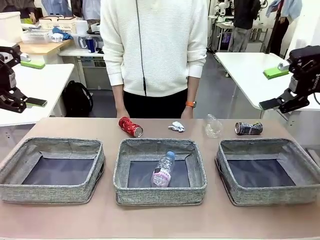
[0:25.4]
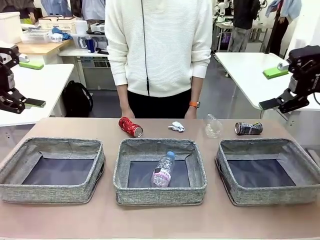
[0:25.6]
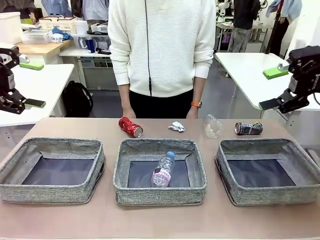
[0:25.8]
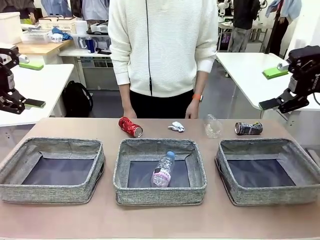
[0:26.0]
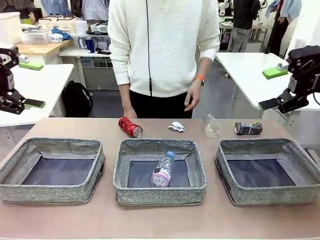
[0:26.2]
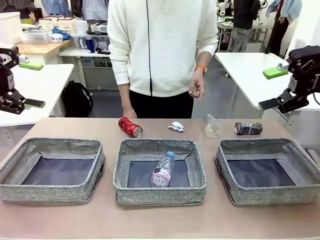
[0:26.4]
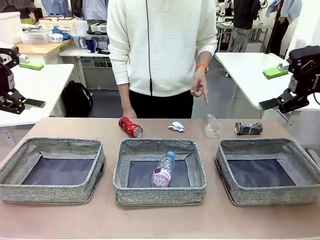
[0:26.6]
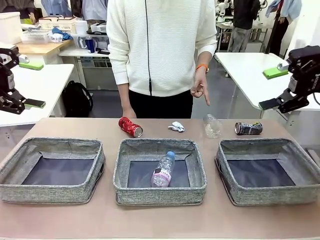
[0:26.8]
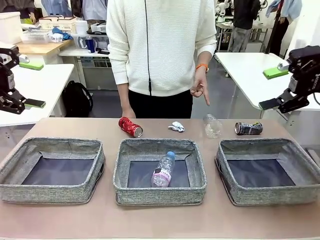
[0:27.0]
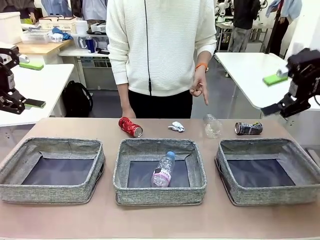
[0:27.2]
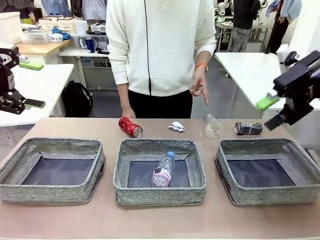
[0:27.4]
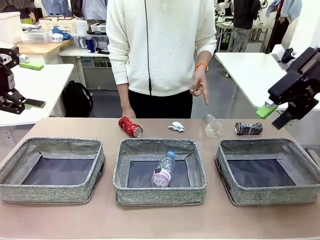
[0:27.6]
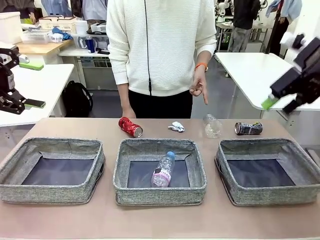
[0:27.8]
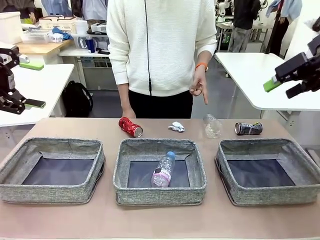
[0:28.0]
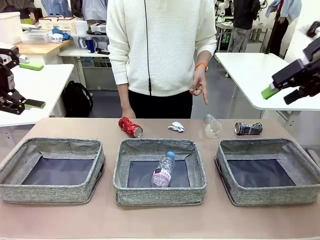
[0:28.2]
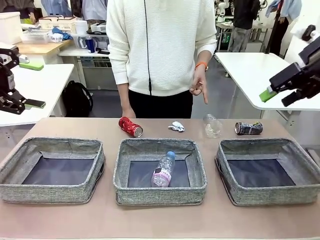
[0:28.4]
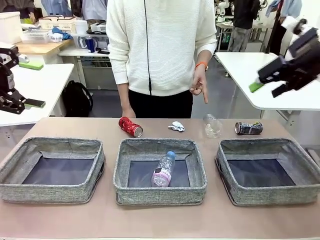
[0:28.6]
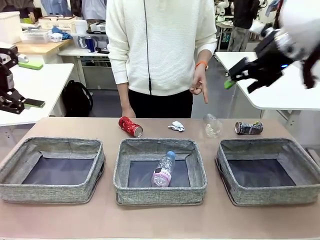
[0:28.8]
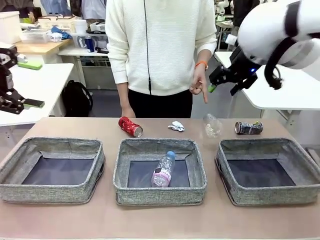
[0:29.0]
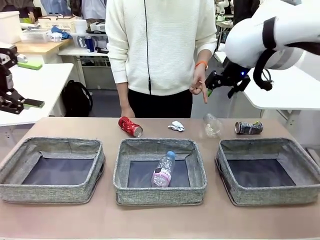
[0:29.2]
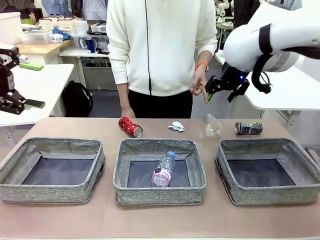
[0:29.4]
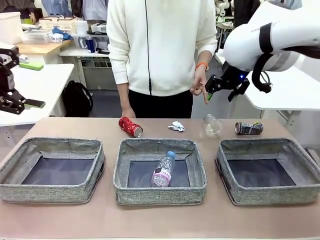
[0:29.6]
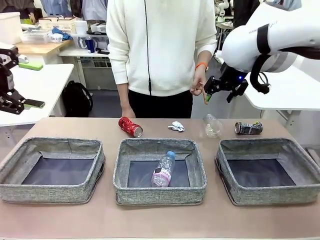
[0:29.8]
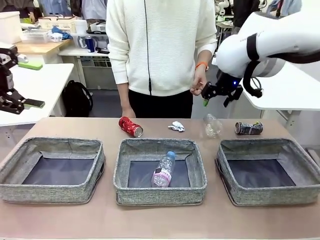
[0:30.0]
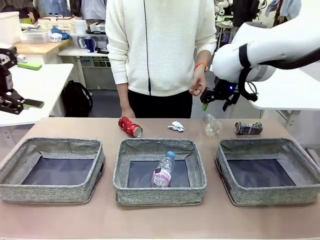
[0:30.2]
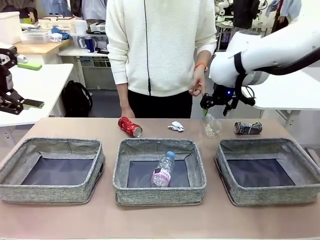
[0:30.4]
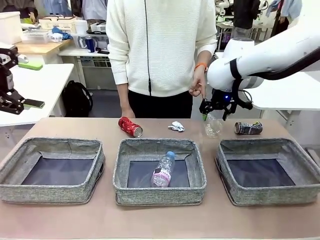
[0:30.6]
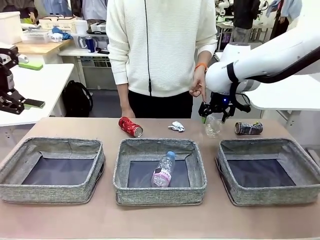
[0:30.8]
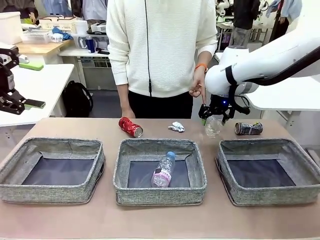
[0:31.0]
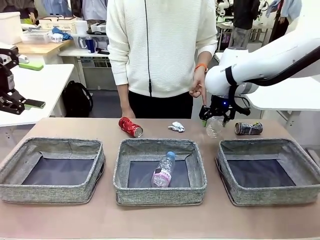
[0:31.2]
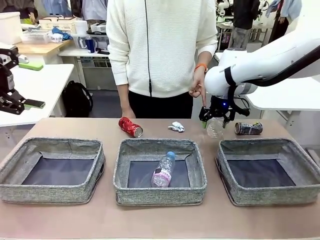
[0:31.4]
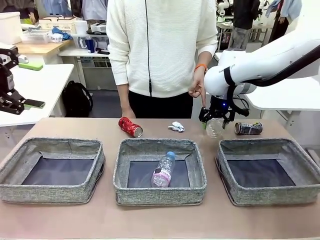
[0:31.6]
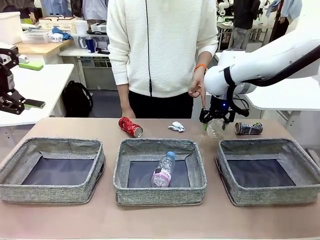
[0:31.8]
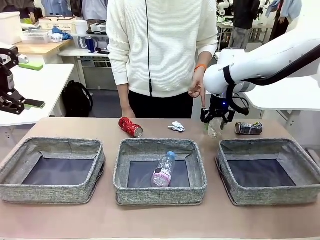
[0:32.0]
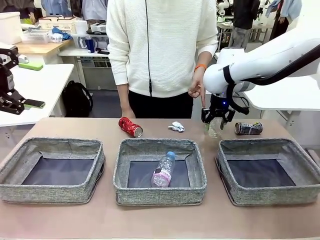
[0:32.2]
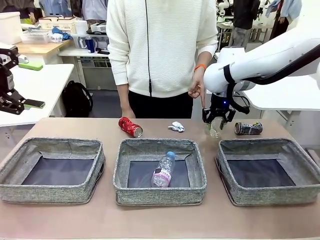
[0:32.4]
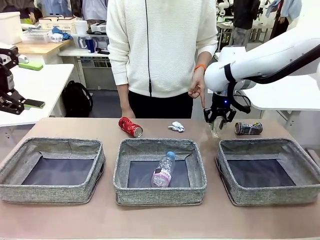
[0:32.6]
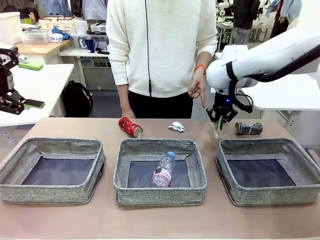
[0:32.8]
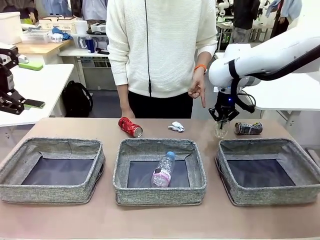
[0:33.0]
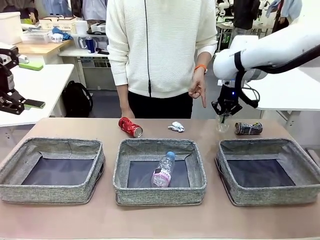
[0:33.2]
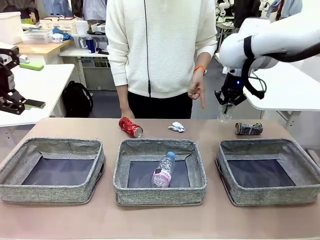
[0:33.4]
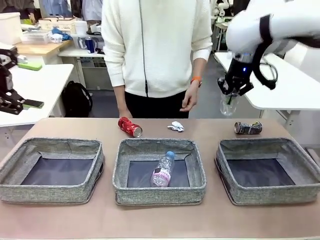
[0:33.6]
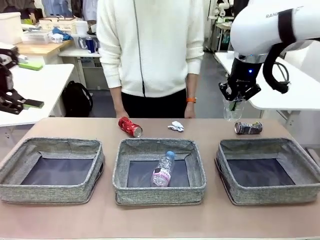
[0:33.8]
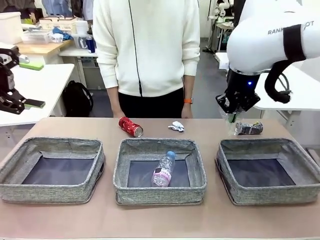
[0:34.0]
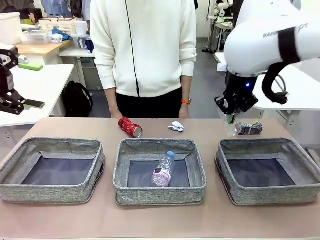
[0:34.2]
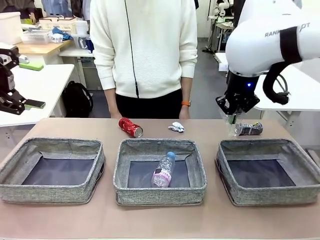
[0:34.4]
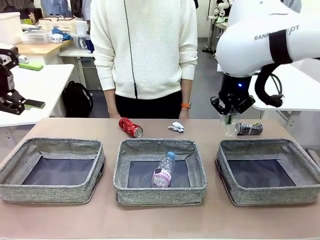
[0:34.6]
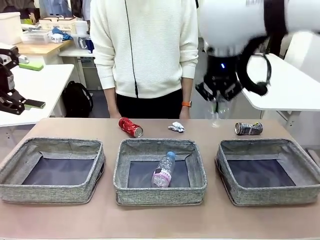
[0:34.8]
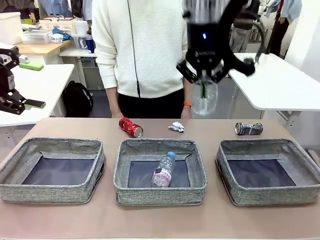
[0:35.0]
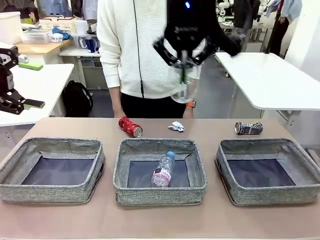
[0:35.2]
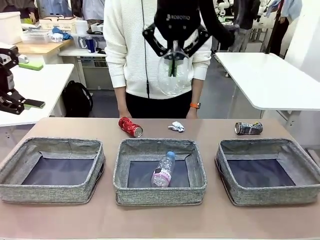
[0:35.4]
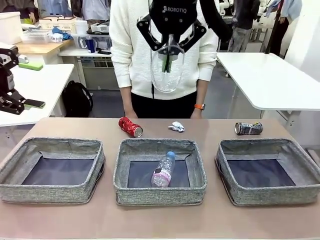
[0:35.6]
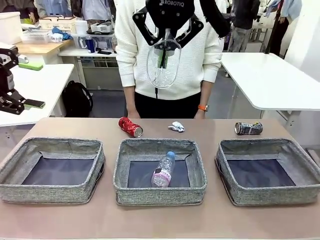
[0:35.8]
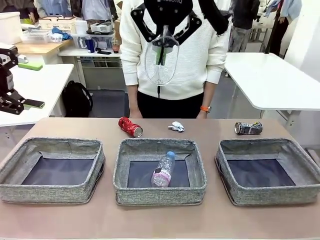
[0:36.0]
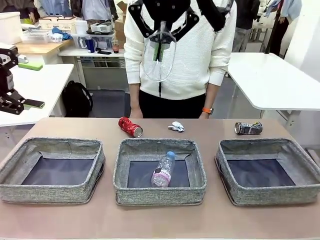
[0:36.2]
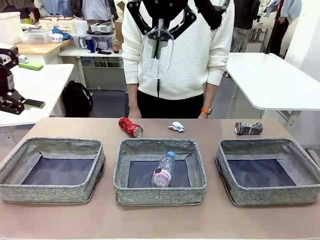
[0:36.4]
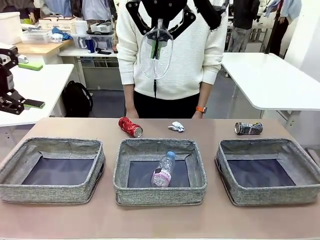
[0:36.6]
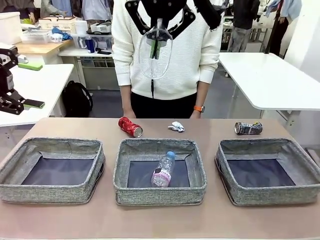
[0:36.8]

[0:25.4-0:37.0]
Task: Sort the waste into the appropriate baskets.
Robot: Pick up the waste item pointed out by the person.
Person: Points to one piece of trash on the table.

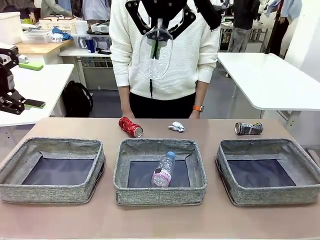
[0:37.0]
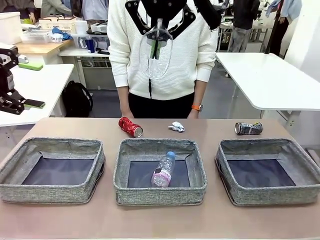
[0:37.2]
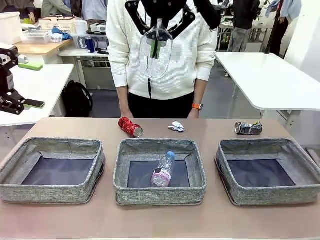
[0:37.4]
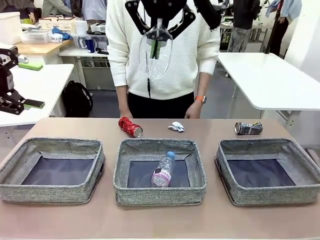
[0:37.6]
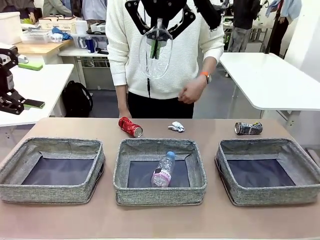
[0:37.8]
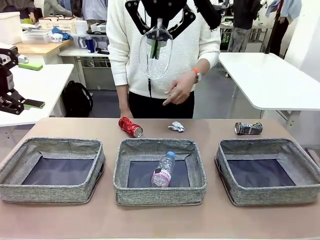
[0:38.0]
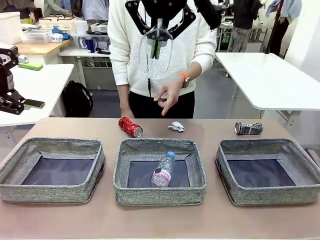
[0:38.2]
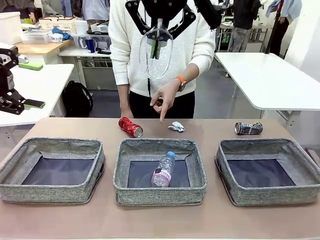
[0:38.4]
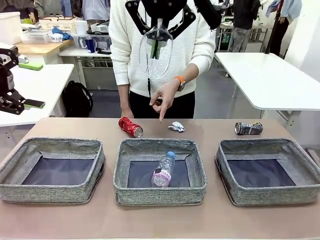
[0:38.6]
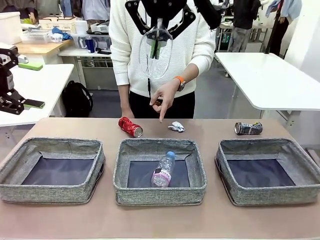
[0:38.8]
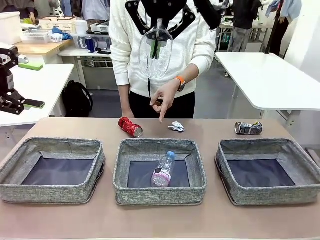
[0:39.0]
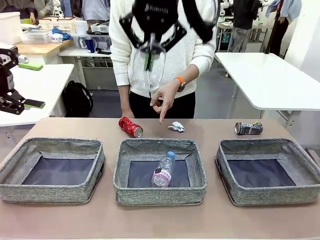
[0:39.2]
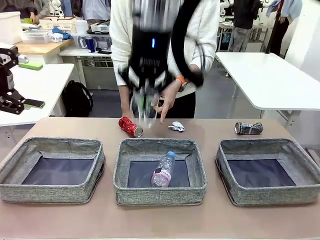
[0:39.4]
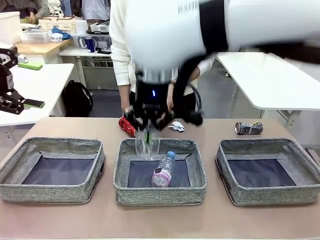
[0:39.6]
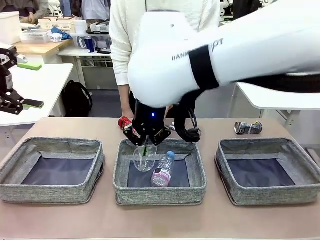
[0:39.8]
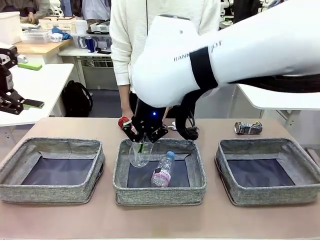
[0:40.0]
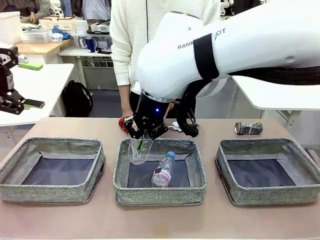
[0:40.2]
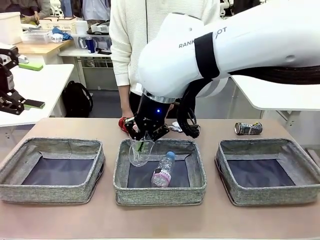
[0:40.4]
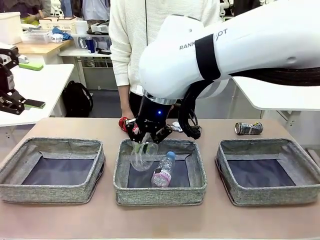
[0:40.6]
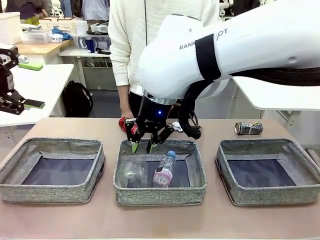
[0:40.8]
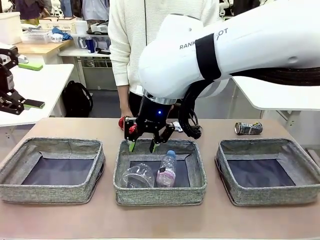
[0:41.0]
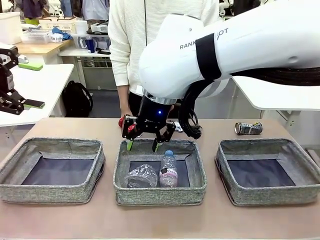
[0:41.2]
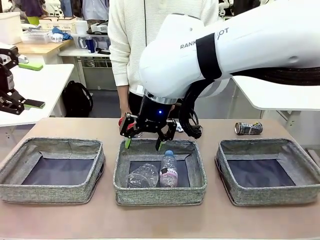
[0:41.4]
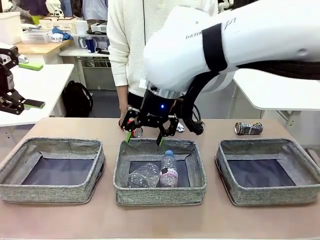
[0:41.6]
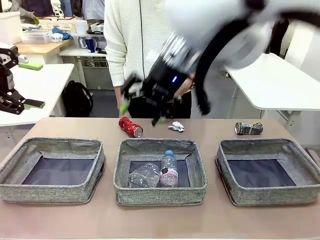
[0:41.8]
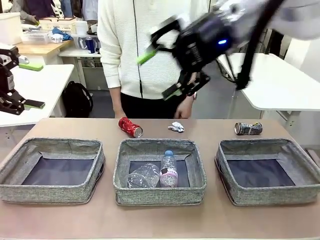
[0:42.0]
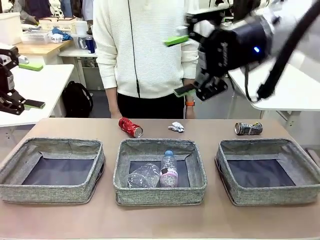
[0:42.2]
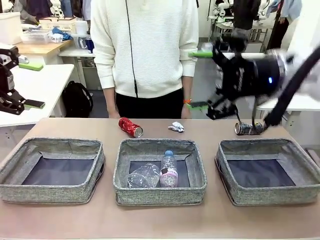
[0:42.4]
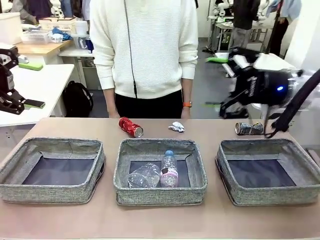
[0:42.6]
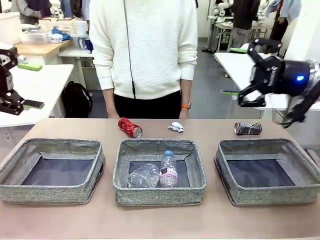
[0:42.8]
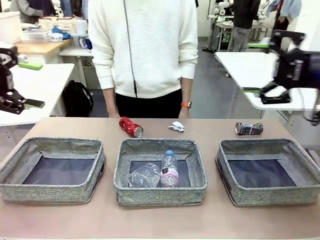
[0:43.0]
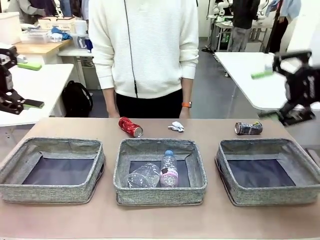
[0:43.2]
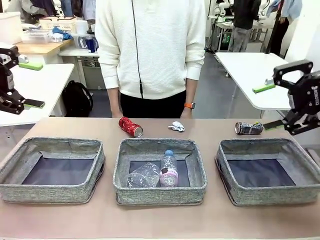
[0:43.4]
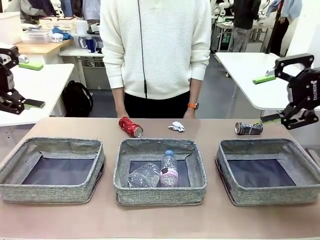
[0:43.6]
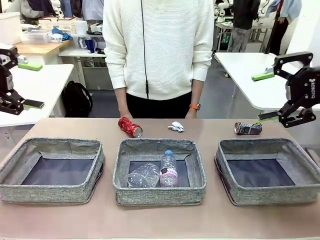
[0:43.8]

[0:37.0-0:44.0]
Robot: Place the picked waste into the Fabric basket indicated by the person.
Person: Instructs the robot to place the picked-up trash into the appropriate organizing basket.
